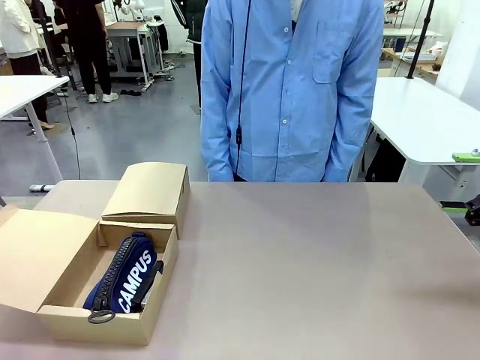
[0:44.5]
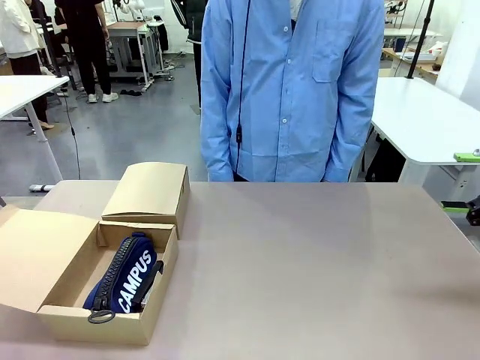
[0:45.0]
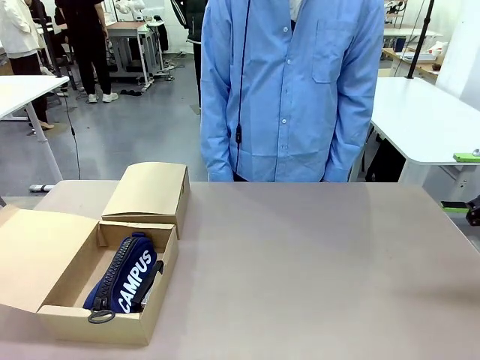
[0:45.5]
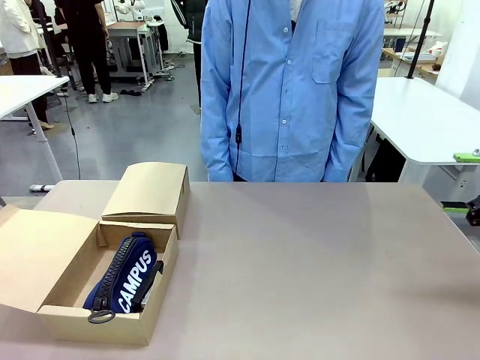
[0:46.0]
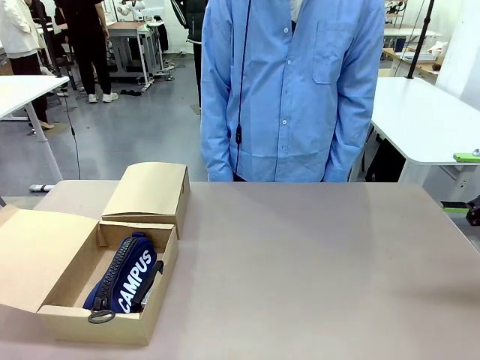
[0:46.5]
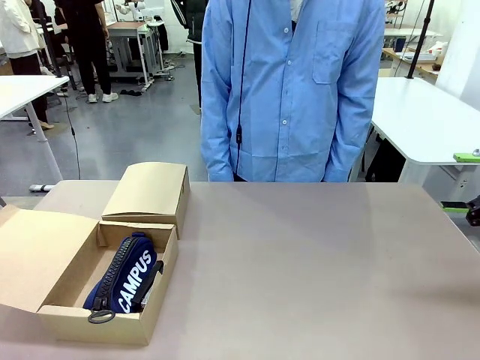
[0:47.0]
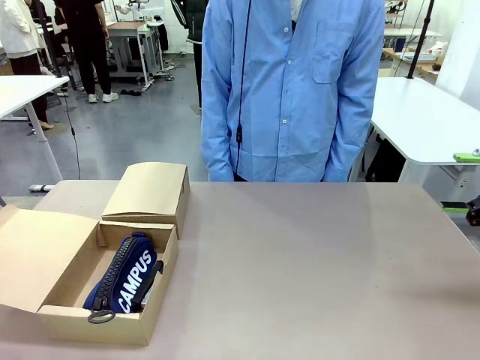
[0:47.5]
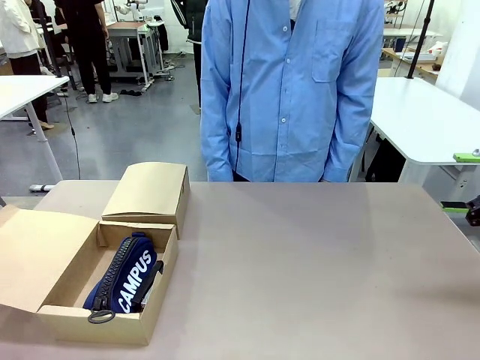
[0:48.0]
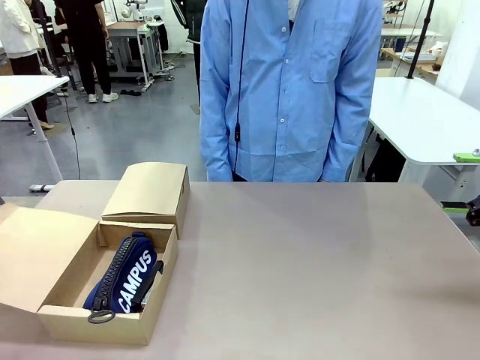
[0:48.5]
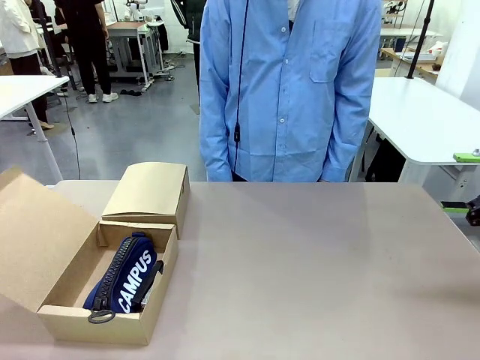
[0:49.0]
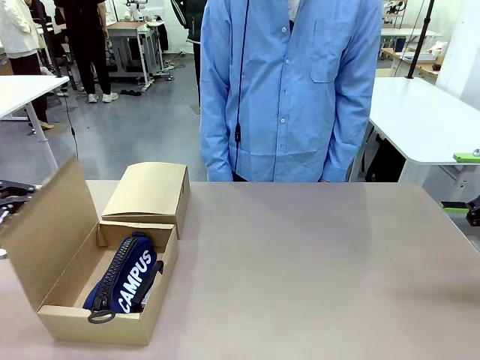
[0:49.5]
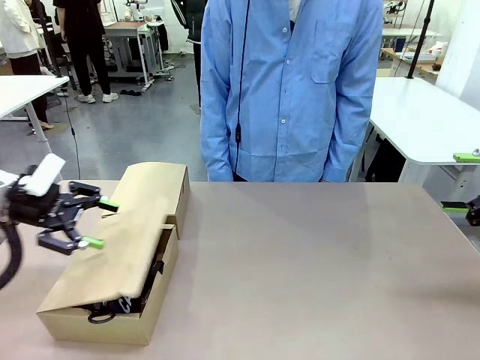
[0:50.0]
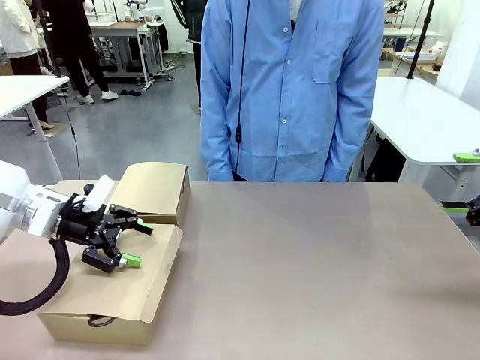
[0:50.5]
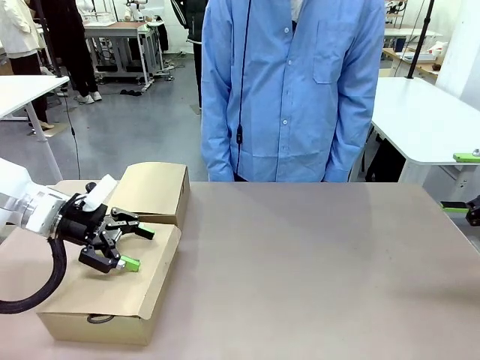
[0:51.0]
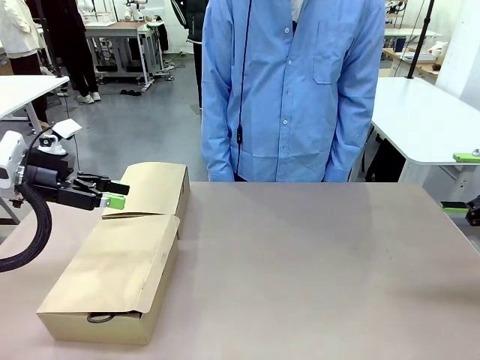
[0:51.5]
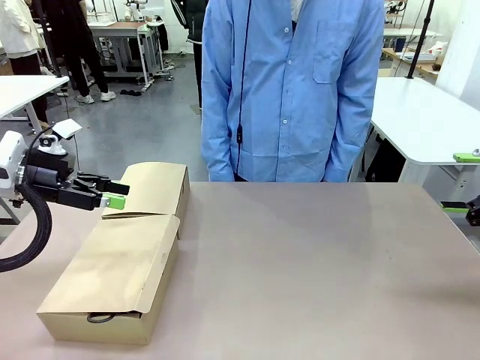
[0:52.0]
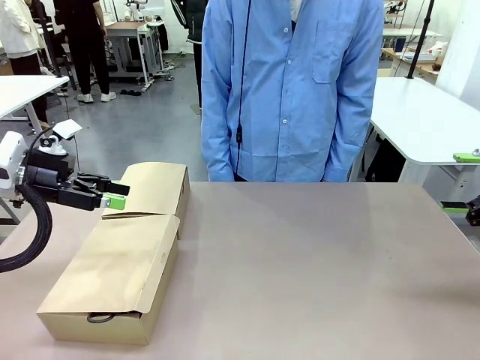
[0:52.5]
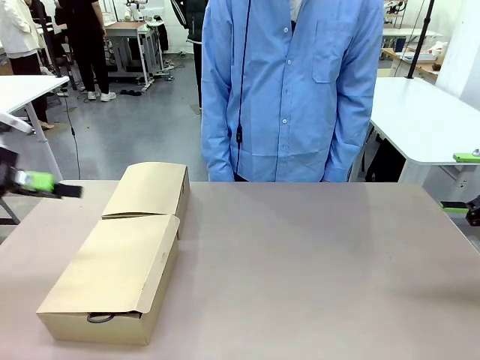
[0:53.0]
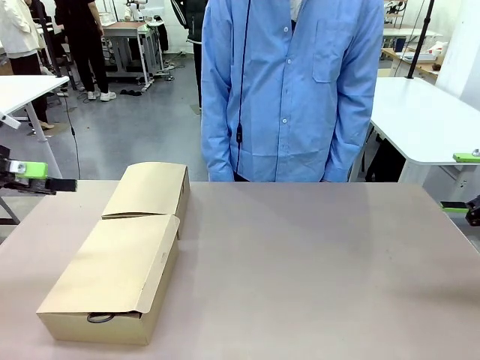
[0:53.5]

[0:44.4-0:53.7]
Task: Place items inside the box.
Robot: Close the lid of the Mailer Box closest to the robot.

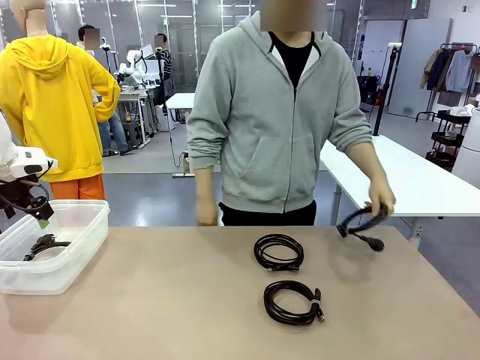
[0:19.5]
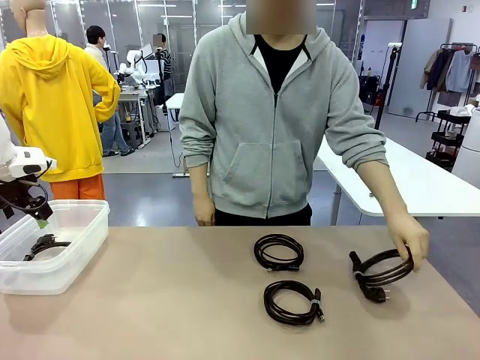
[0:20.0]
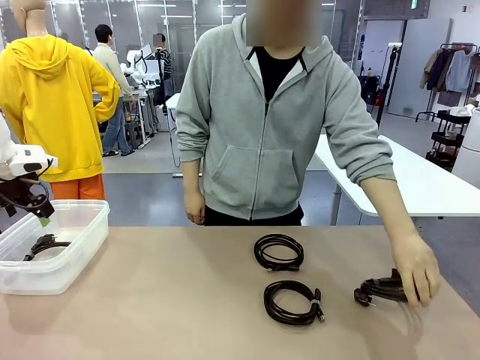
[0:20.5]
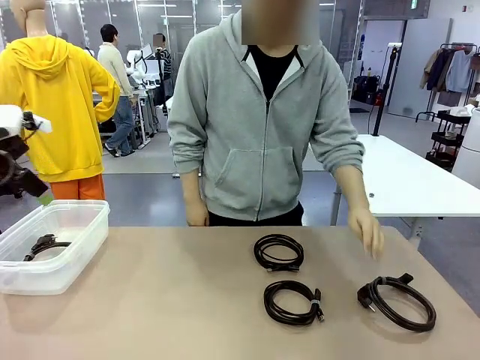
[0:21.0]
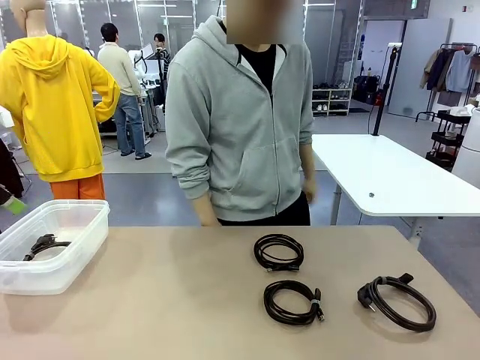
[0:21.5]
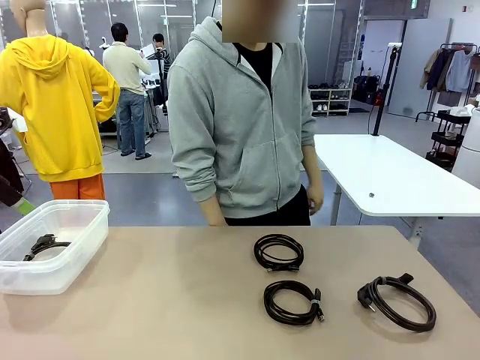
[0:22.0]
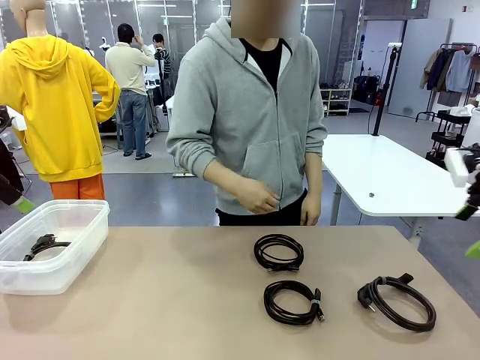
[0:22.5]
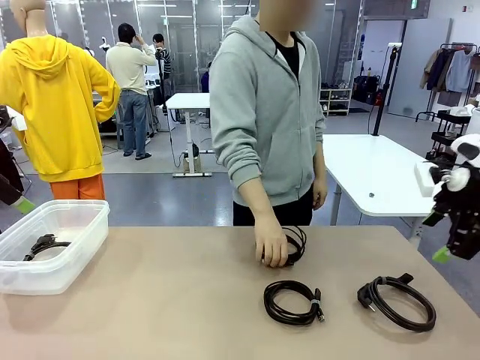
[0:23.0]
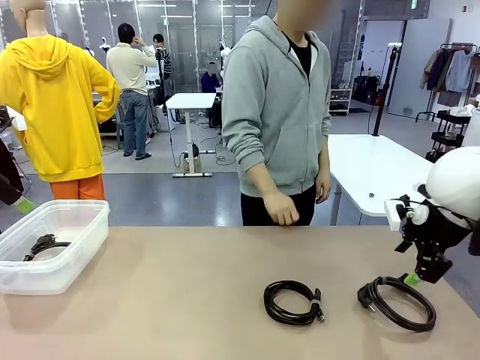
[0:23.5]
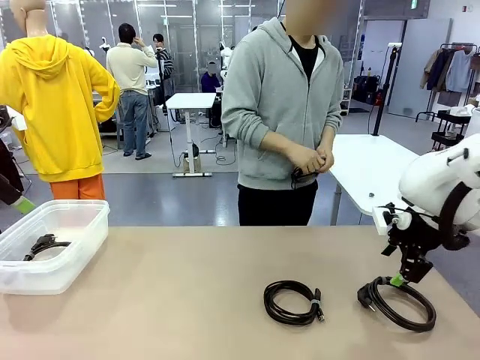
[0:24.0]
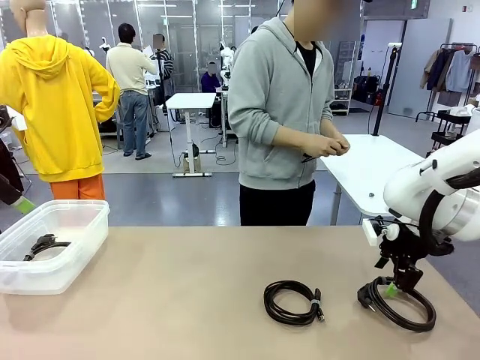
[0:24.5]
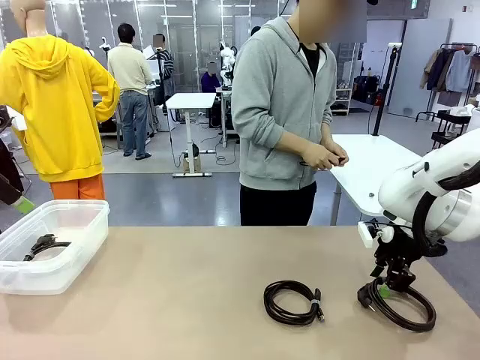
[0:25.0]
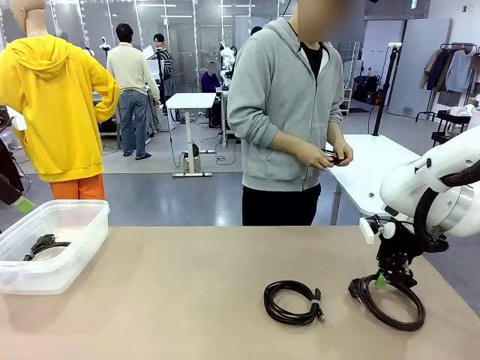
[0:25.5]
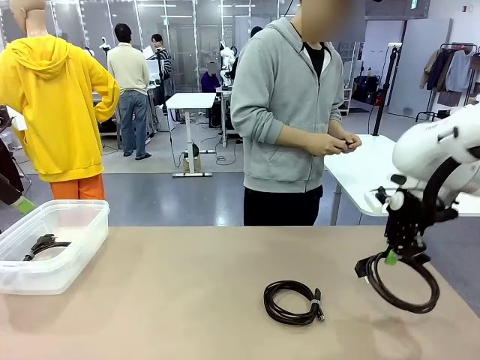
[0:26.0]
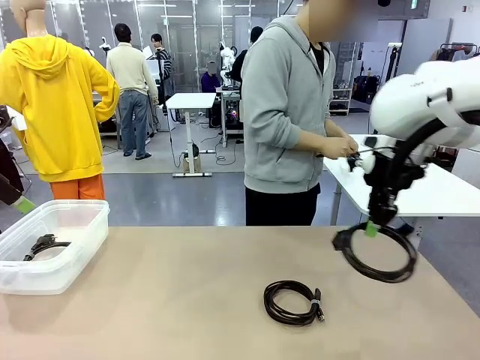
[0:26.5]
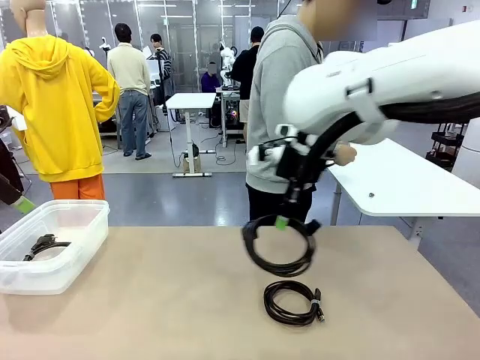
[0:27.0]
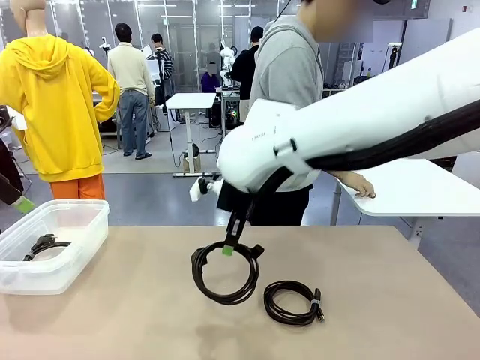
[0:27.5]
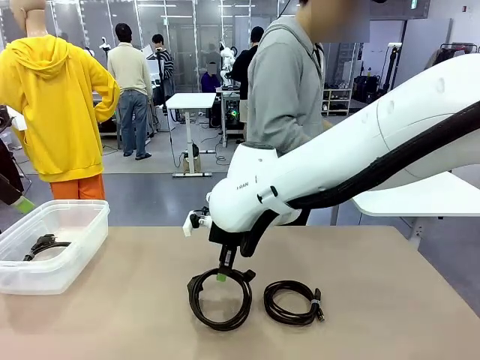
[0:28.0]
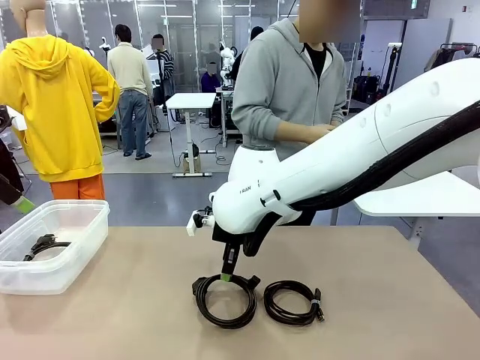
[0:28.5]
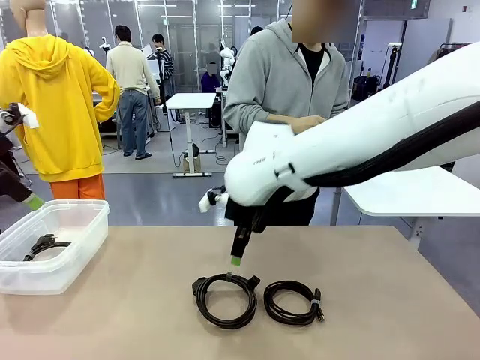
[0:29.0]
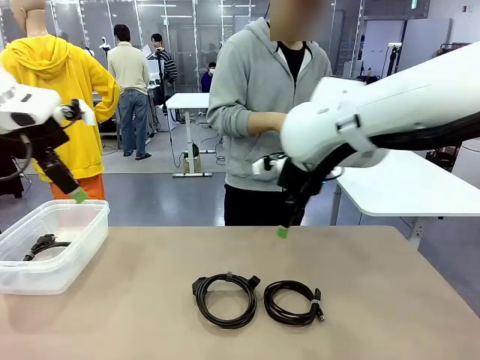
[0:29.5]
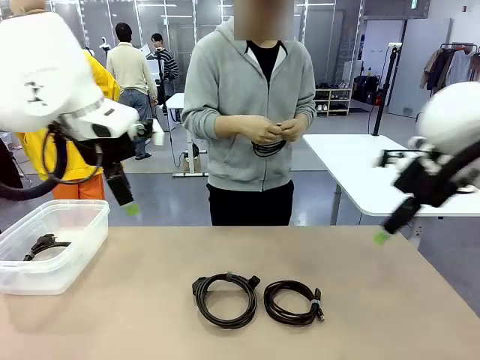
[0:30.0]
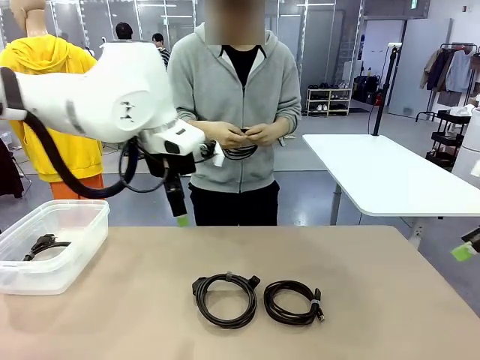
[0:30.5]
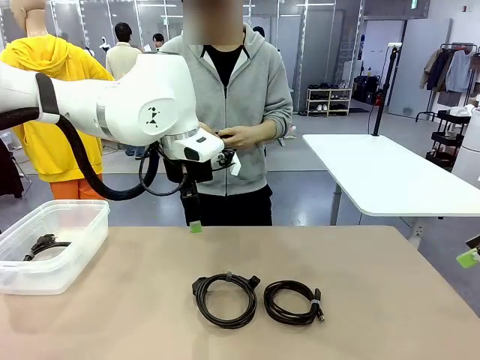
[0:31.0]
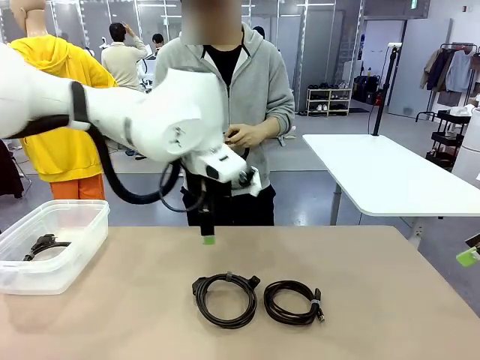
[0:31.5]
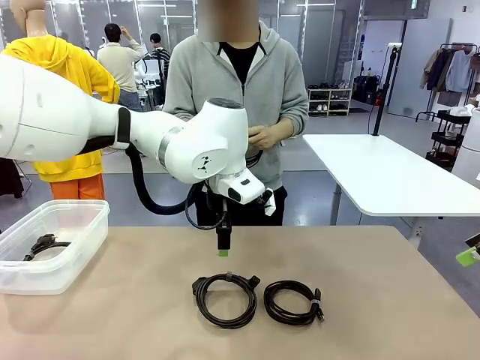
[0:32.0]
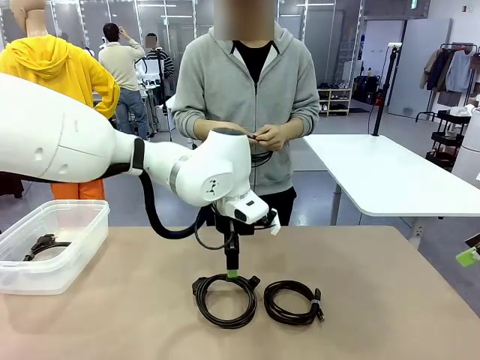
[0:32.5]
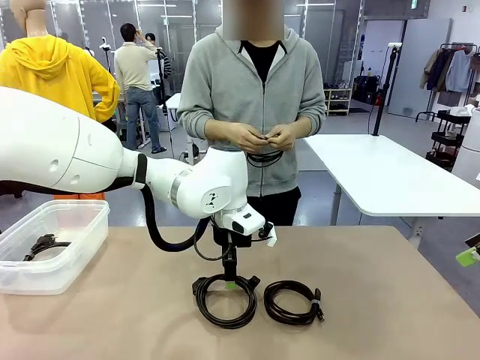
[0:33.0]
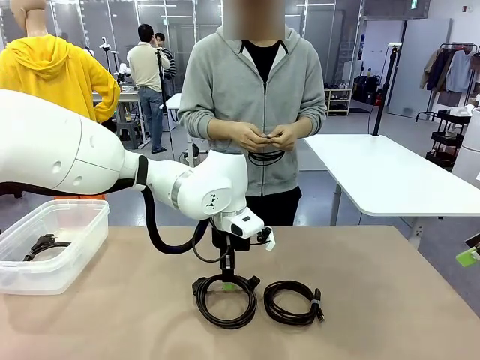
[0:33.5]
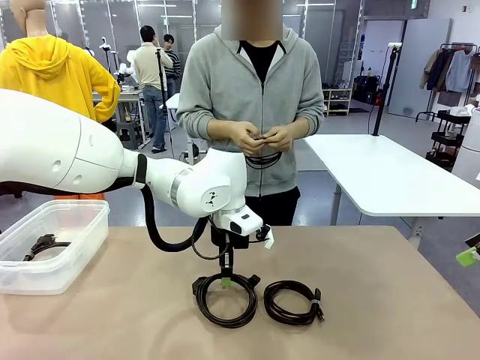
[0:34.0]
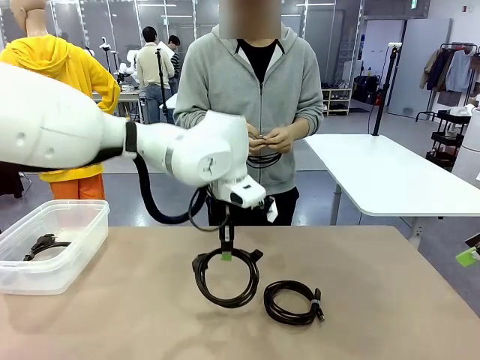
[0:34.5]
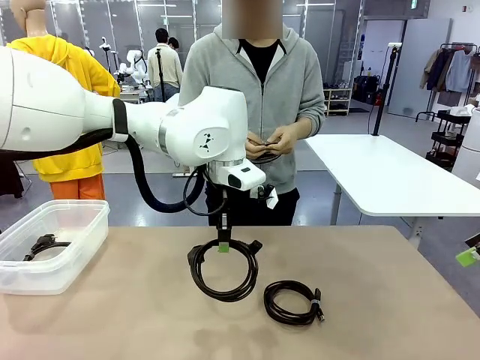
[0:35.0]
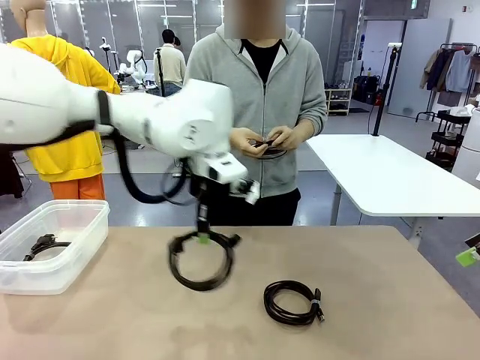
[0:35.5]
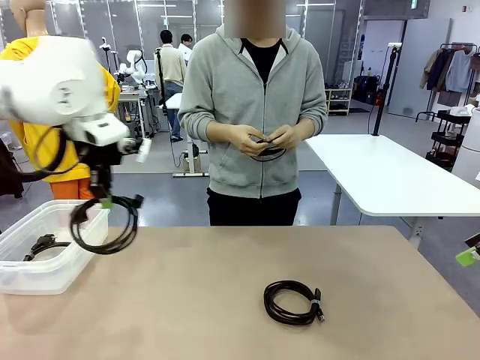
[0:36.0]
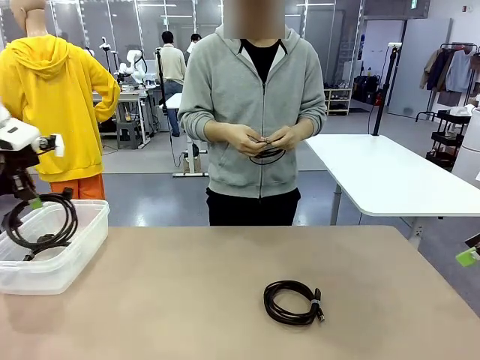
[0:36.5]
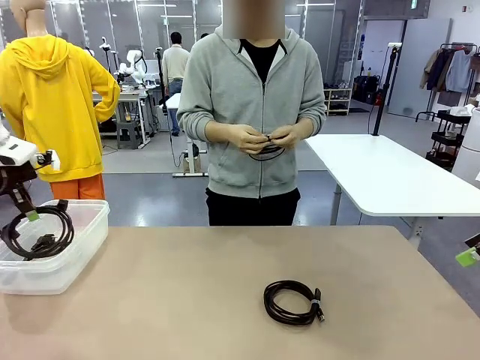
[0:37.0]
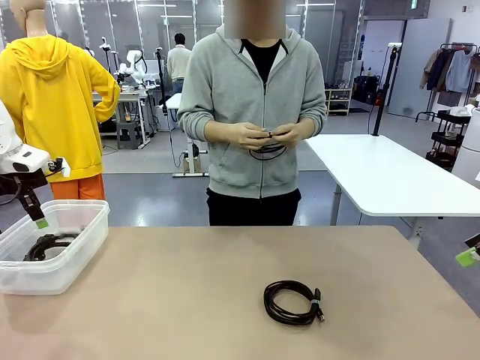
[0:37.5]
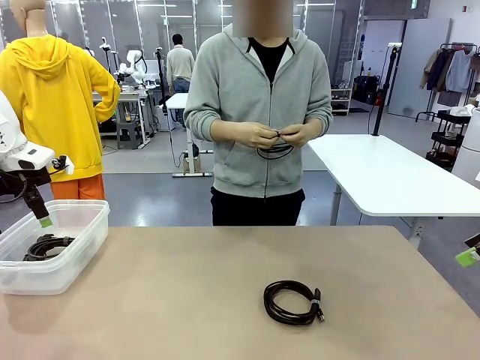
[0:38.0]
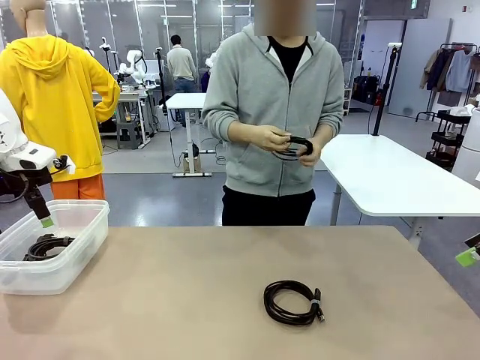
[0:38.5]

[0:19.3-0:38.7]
Task: Organize and store the cables.
Robot: Place the Power Cable into the Organizing box.
